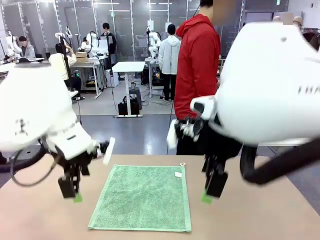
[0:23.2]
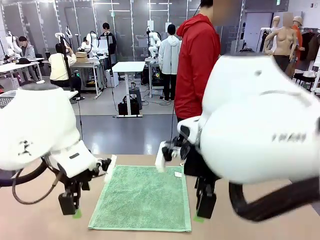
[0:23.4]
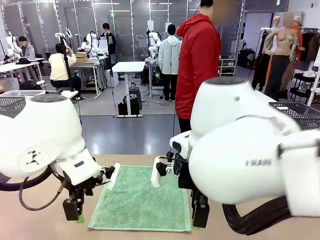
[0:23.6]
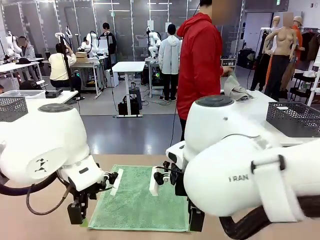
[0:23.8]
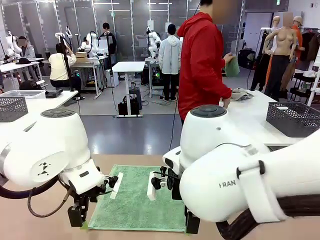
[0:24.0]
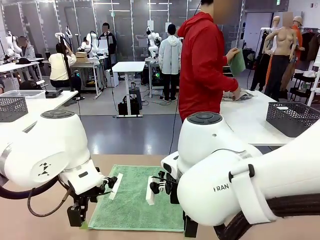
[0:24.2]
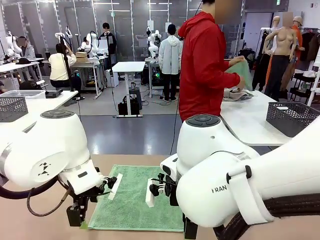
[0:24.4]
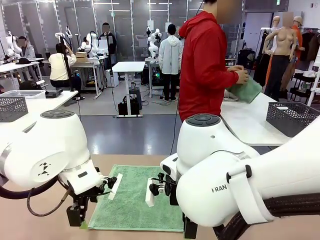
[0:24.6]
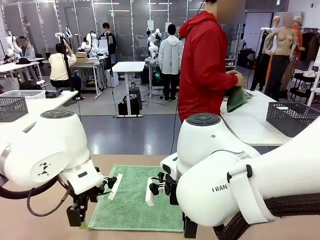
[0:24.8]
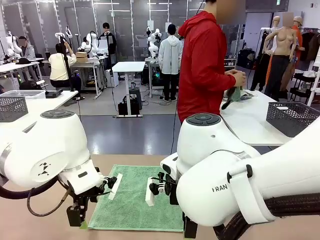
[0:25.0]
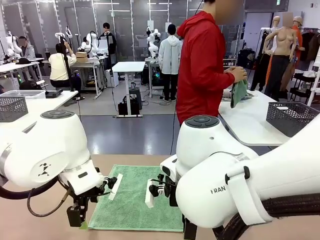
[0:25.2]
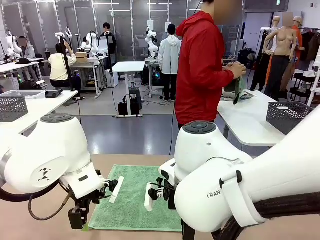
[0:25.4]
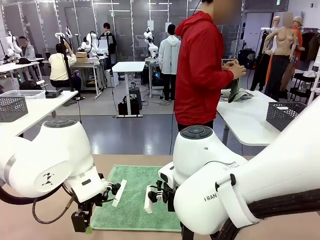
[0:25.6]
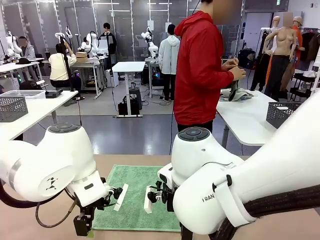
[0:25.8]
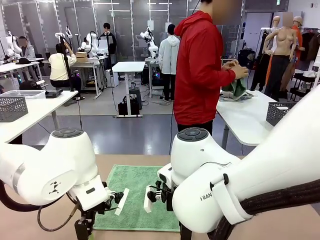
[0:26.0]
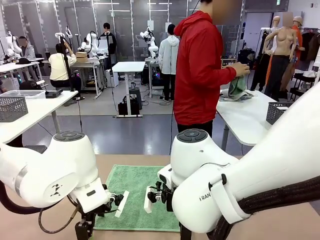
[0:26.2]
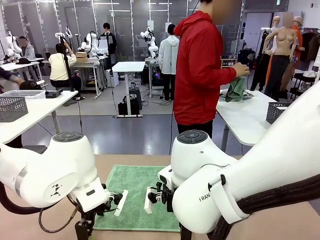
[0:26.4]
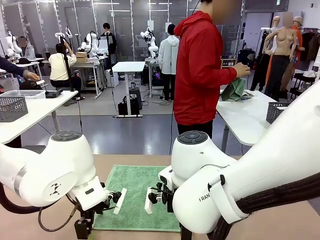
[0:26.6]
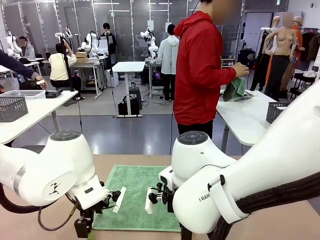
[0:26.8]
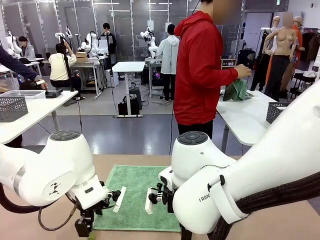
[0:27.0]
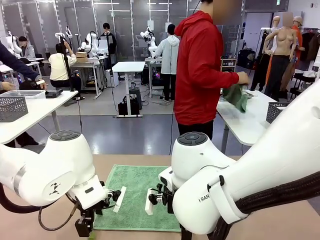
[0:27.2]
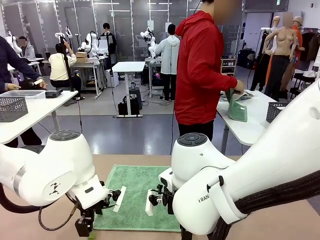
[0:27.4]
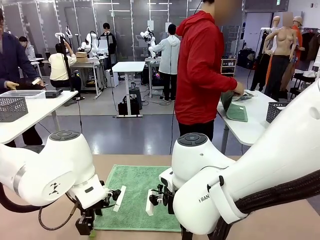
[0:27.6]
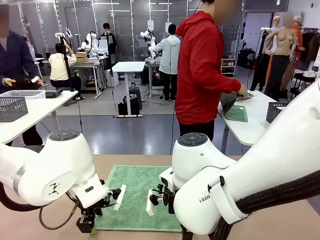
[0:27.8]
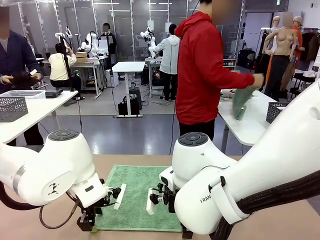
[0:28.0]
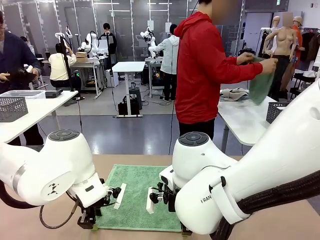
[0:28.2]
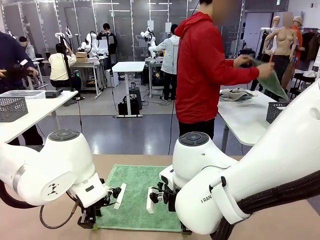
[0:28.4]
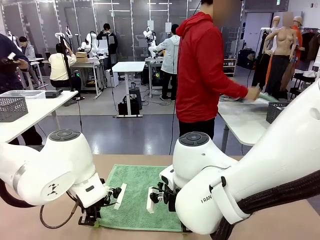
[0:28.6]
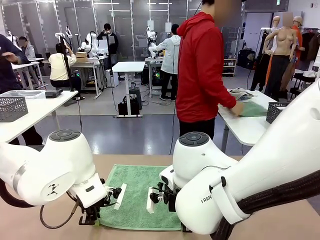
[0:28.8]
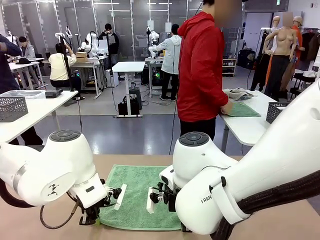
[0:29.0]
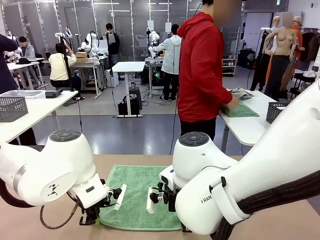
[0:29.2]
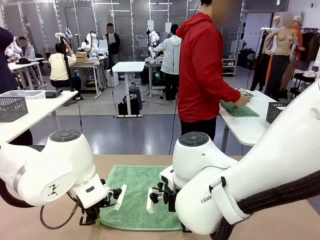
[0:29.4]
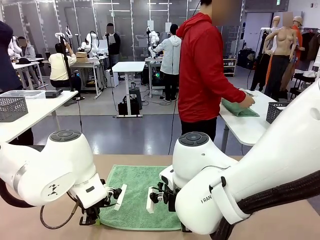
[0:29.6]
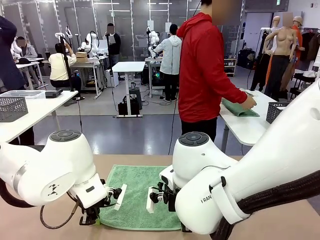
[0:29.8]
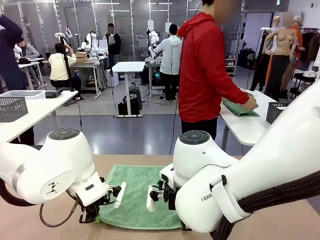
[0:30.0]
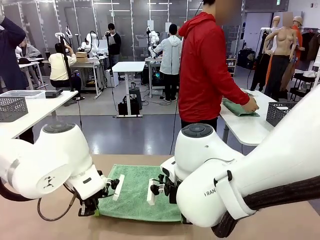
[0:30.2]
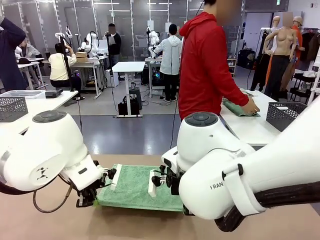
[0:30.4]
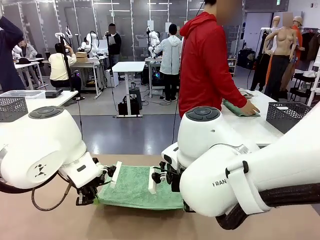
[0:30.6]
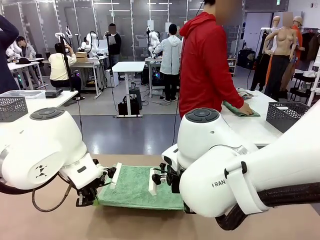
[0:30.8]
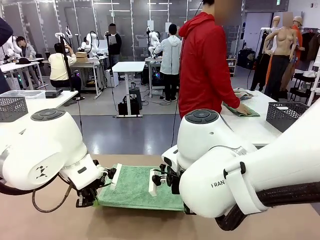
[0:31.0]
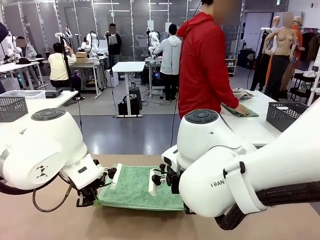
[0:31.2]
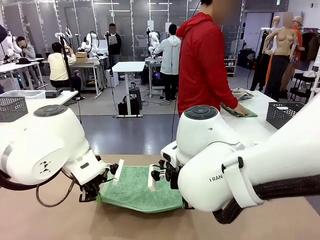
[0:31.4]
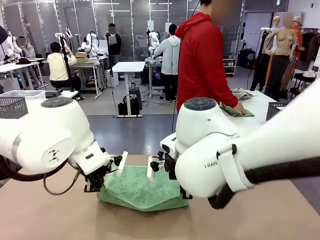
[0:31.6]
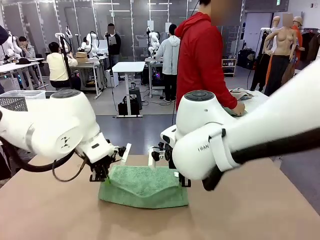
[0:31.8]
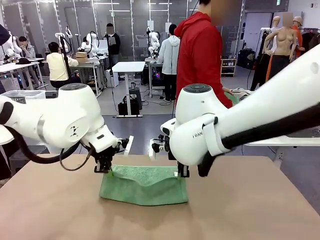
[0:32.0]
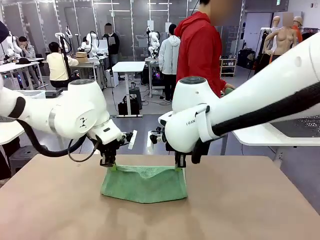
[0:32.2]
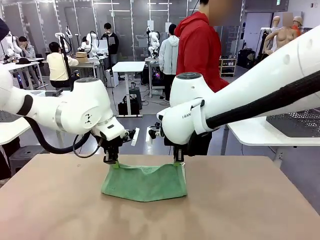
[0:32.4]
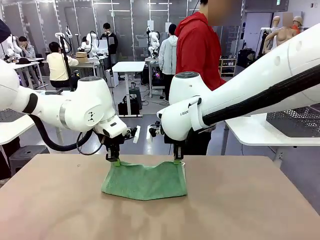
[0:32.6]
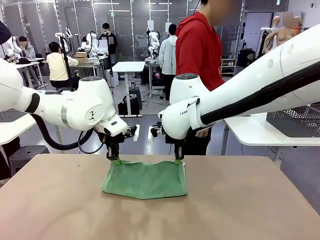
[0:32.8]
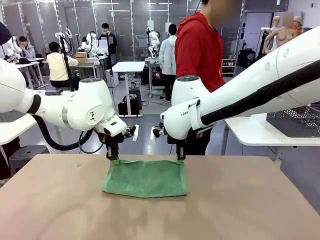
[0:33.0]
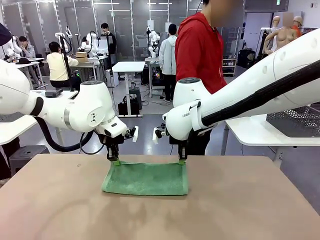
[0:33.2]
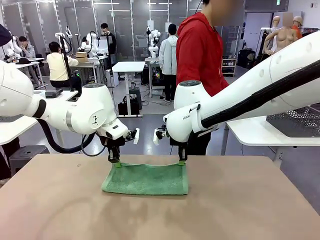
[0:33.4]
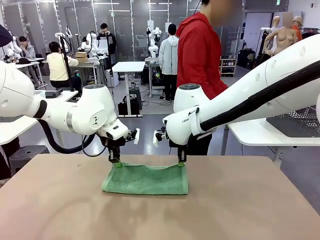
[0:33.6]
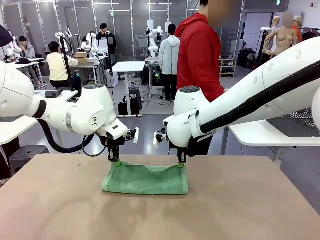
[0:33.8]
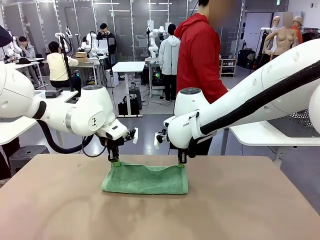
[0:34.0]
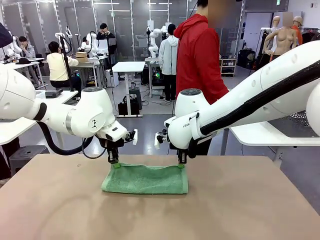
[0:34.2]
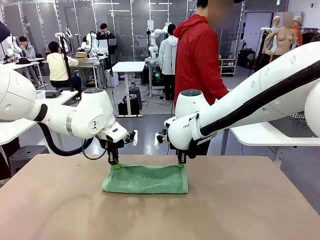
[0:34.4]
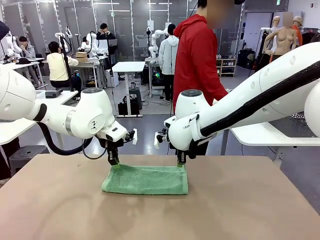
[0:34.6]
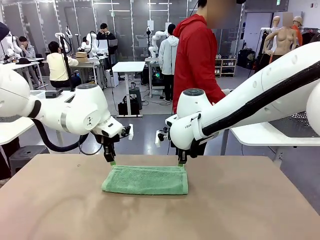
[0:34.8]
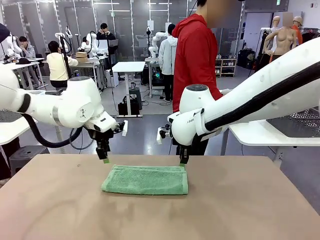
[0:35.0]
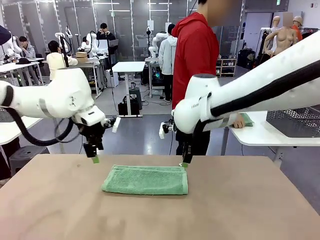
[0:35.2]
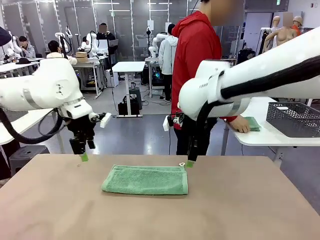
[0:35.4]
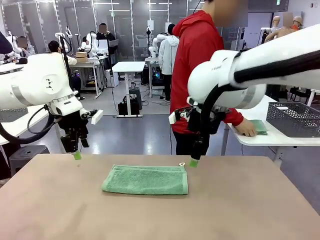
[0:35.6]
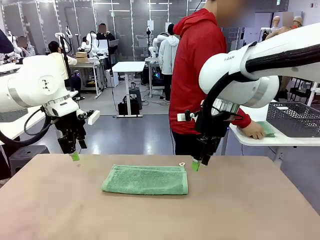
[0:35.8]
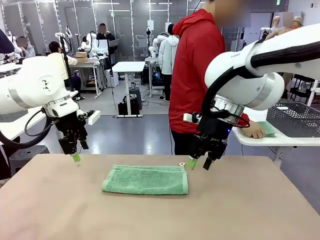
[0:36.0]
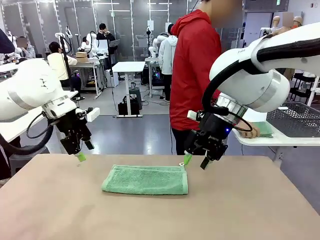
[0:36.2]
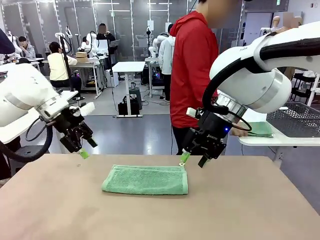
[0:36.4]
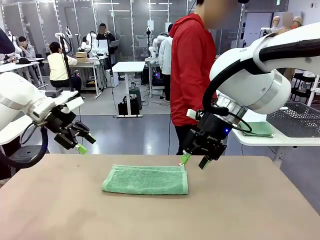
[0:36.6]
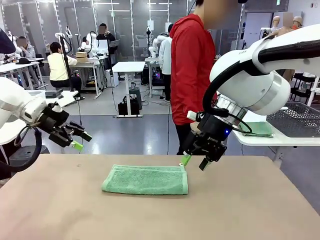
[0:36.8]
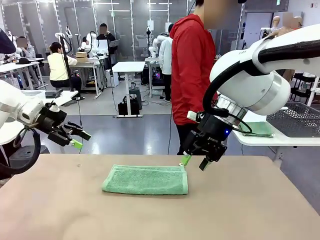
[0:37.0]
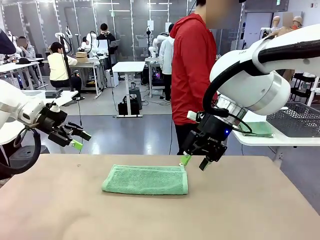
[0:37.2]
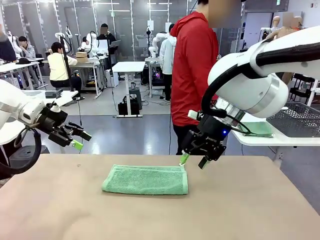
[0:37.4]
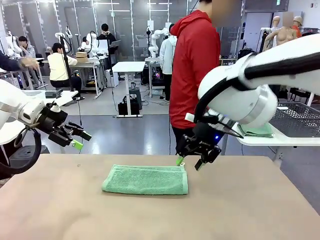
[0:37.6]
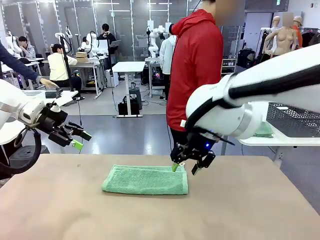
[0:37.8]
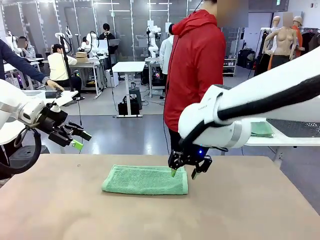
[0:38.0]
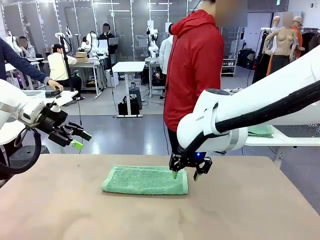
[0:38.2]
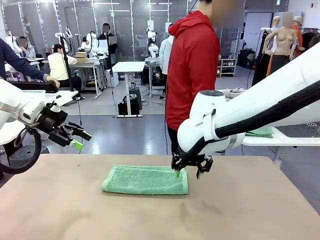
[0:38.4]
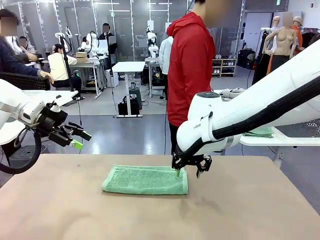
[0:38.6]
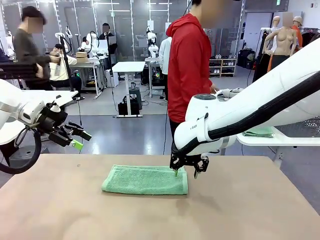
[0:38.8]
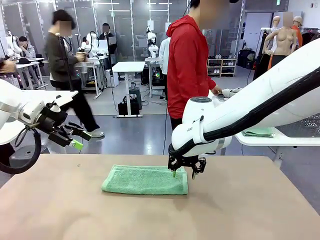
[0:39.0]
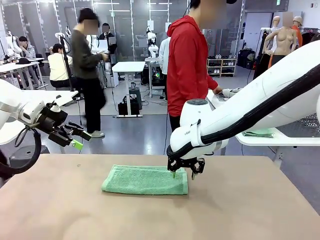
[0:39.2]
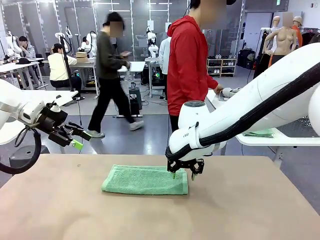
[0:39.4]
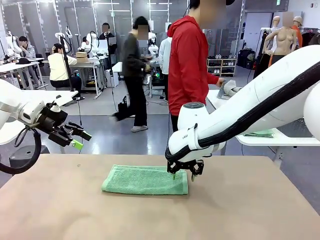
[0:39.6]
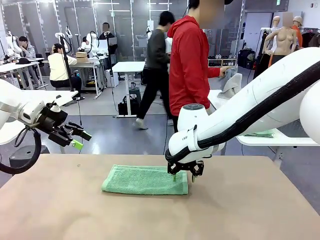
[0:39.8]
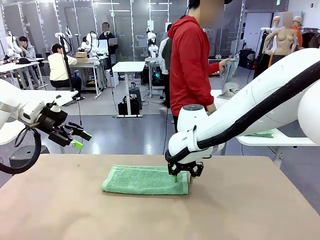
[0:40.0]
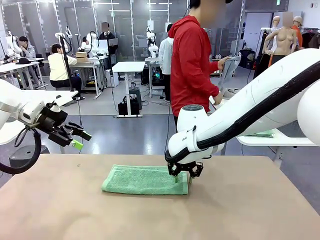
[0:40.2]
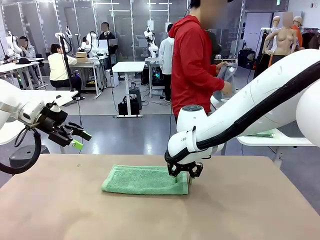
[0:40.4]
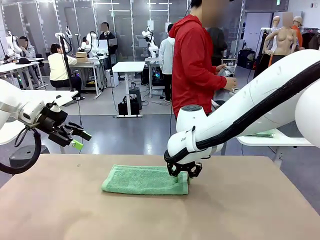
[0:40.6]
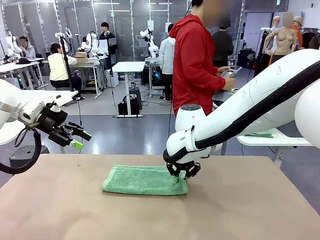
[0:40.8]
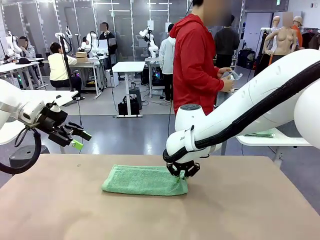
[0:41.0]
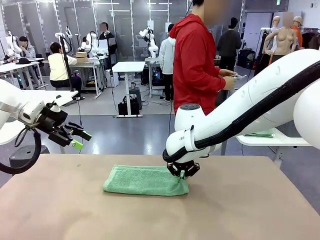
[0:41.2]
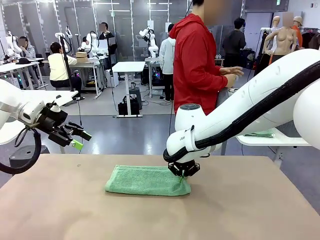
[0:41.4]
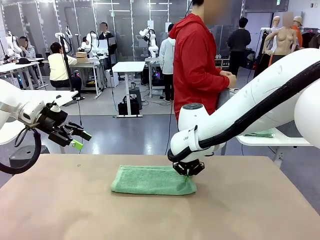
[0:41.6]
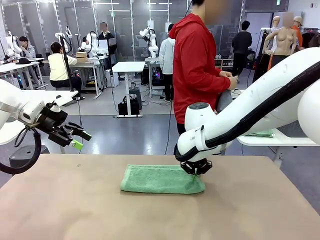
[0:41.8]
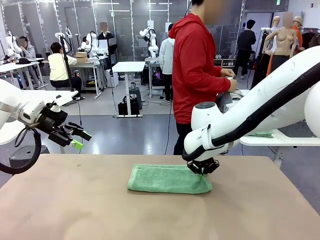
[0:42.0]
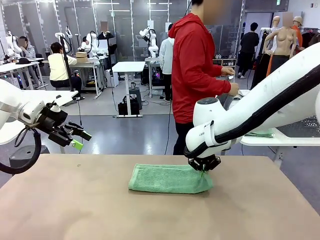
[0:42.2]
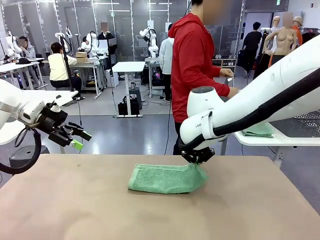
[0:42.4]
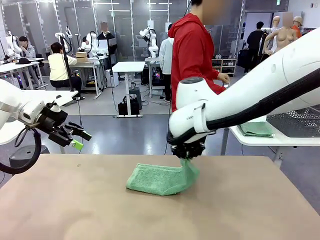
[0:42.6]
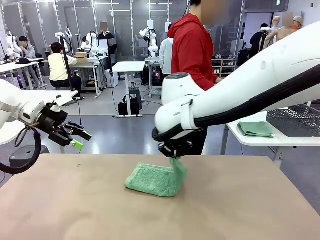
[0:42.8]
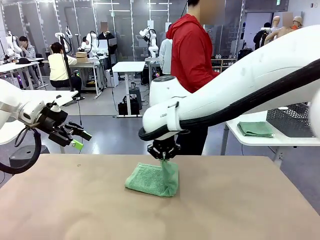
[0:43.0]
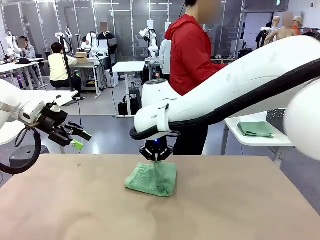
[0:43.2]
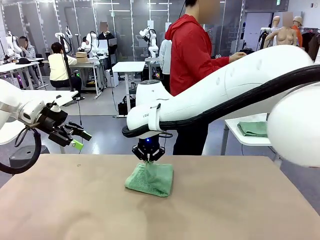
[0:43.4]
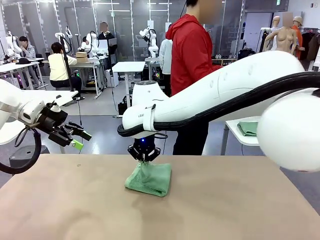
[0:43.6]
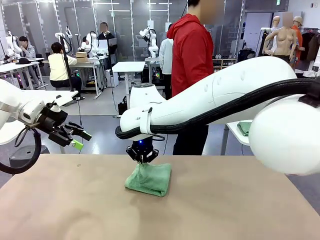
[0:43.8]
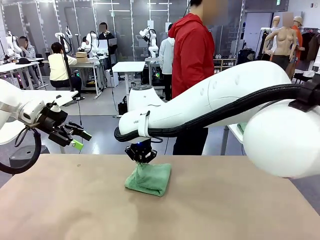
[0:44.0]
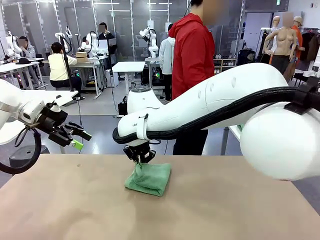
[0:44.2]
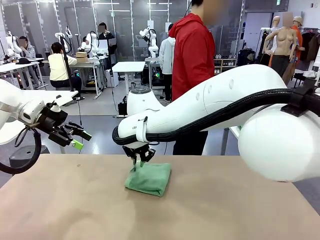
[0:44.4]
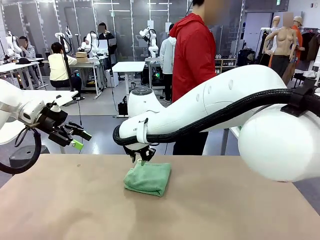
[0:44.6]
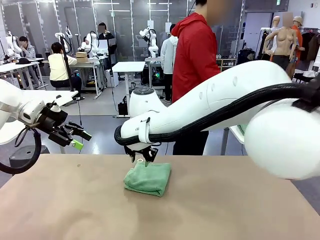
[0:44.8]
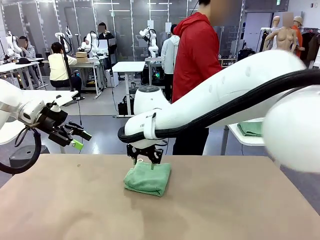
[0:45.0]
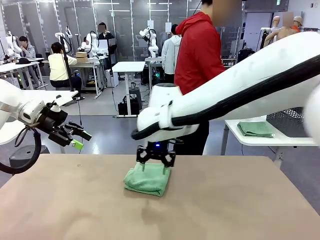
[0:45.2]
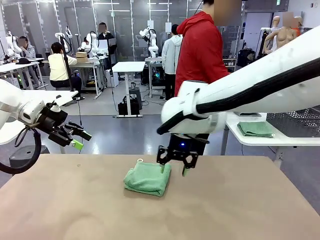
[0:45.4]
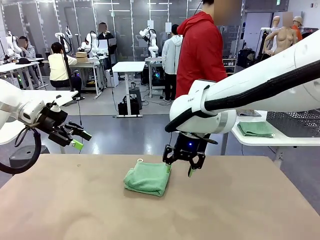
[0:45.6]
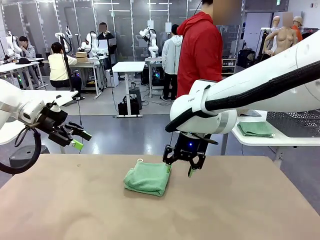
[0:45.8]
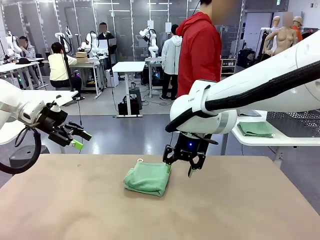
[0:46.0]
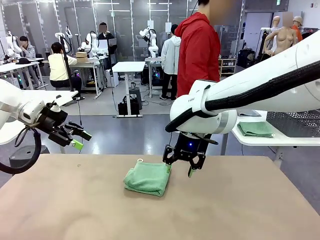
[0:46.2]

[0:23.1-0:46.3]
Task: Fold the towels and place them in the basket.
Robot: When a person lays out a Towel with hook on the table, fold it in half twice.
Person: Pick up one towel from the left side of the human table, fold it in half twice, and place it on the right side of the table. Pick up one towel from the left side of the human table, fold it in half twice, and stack it on the right side of the table.
